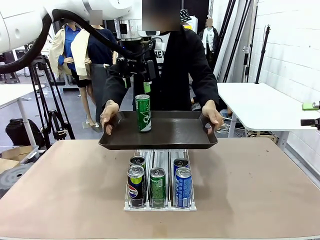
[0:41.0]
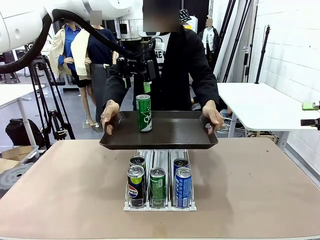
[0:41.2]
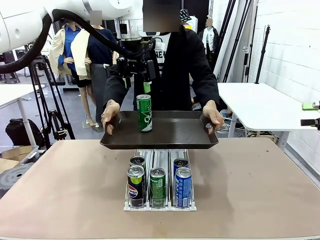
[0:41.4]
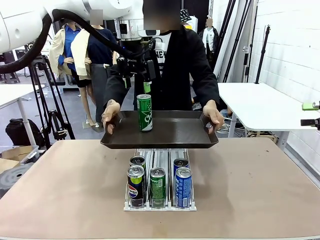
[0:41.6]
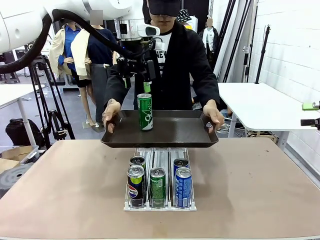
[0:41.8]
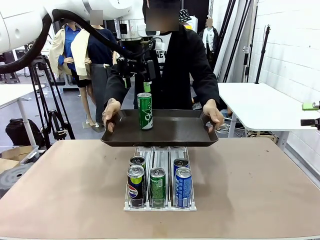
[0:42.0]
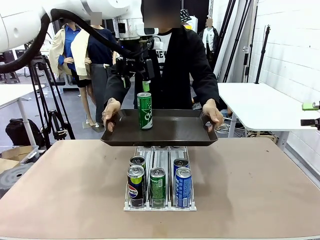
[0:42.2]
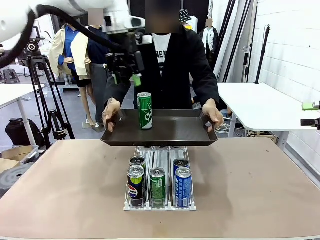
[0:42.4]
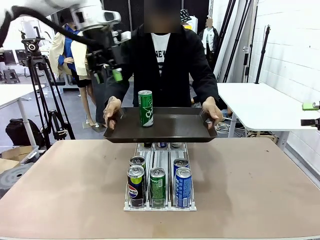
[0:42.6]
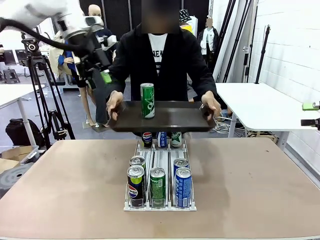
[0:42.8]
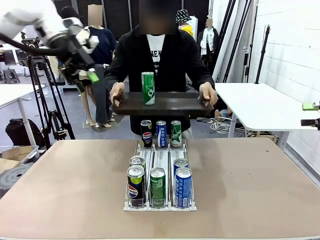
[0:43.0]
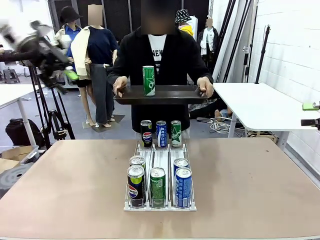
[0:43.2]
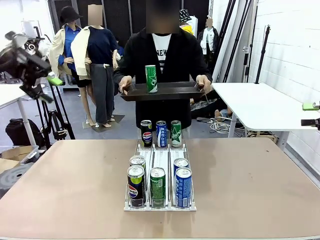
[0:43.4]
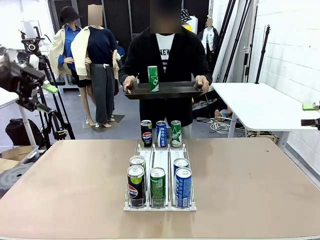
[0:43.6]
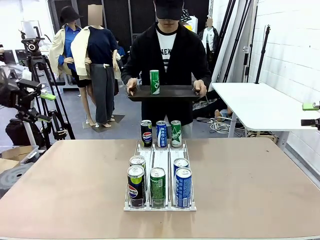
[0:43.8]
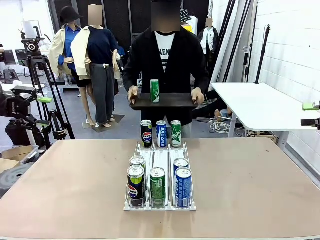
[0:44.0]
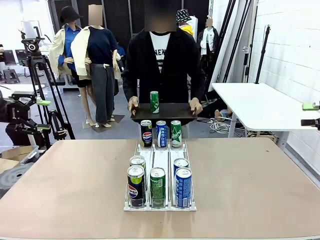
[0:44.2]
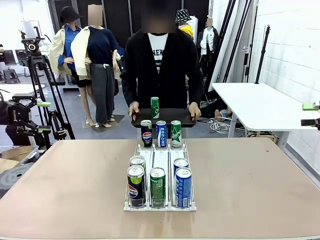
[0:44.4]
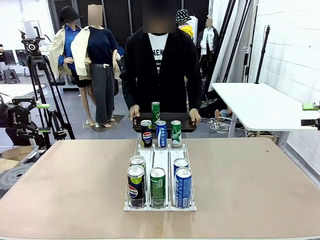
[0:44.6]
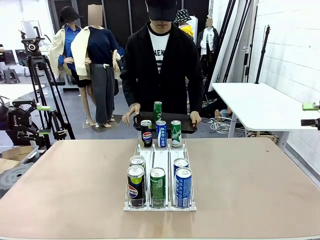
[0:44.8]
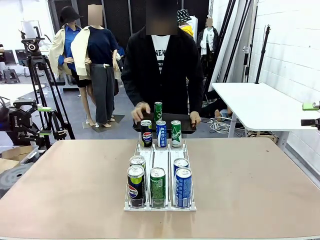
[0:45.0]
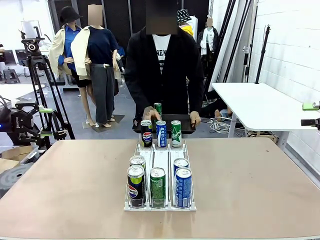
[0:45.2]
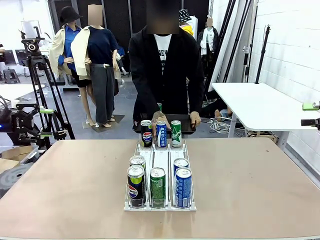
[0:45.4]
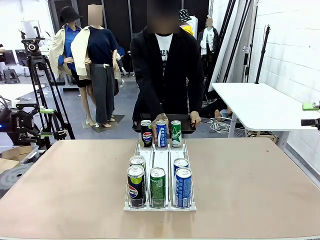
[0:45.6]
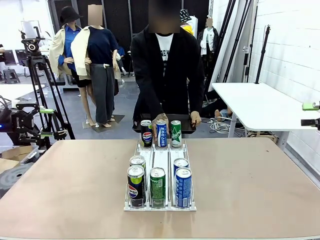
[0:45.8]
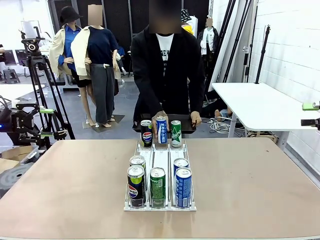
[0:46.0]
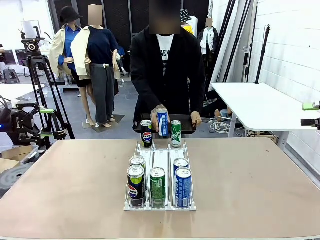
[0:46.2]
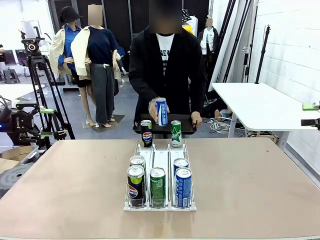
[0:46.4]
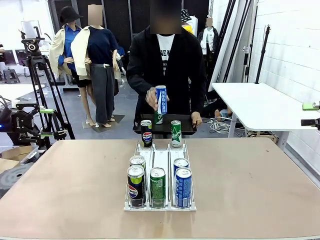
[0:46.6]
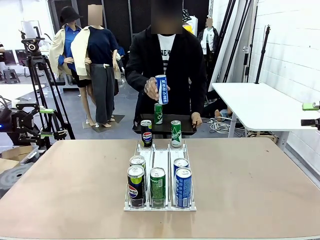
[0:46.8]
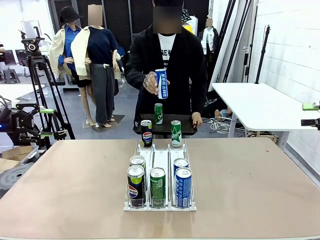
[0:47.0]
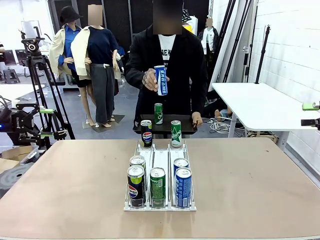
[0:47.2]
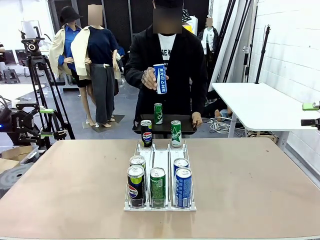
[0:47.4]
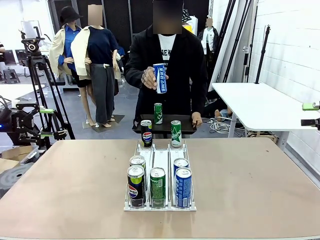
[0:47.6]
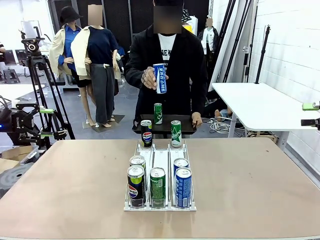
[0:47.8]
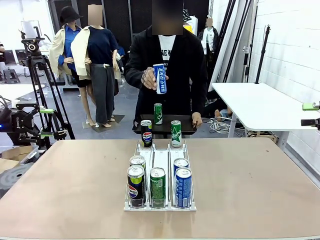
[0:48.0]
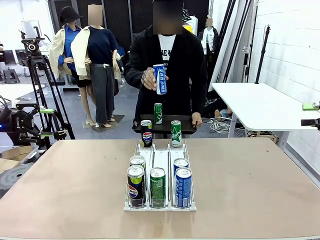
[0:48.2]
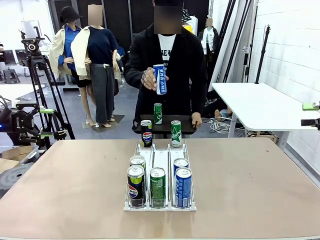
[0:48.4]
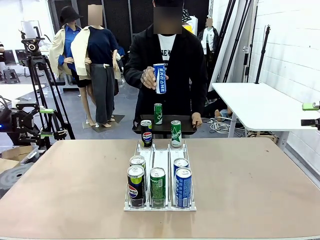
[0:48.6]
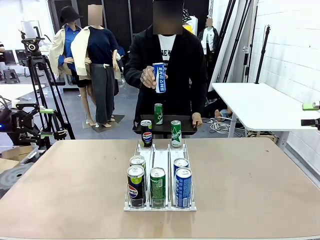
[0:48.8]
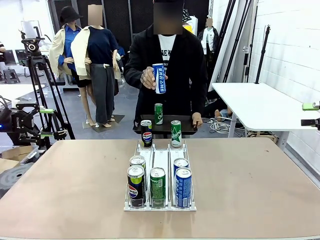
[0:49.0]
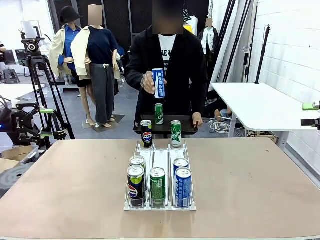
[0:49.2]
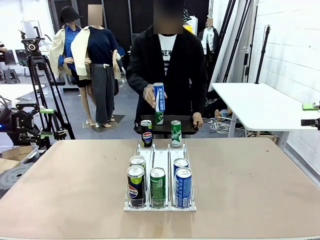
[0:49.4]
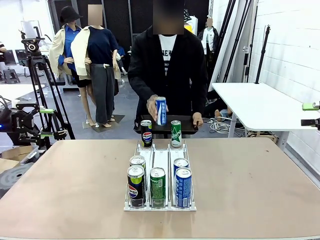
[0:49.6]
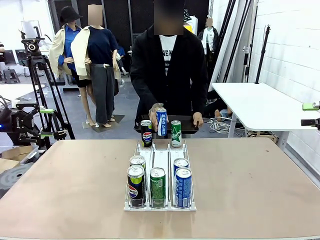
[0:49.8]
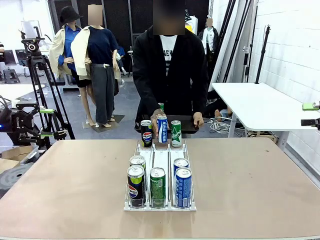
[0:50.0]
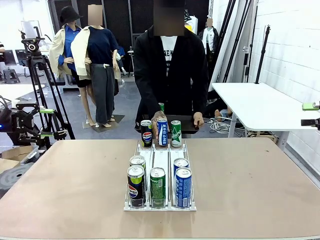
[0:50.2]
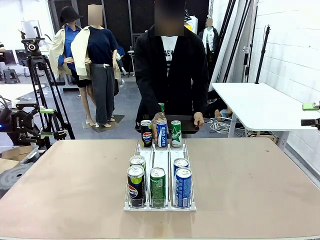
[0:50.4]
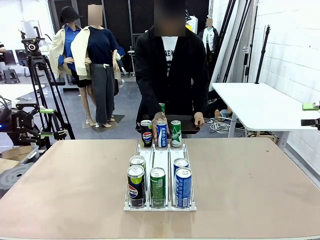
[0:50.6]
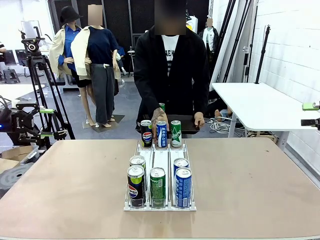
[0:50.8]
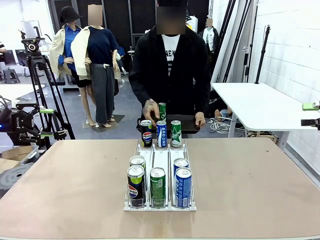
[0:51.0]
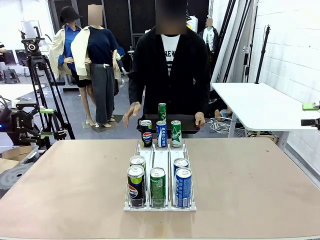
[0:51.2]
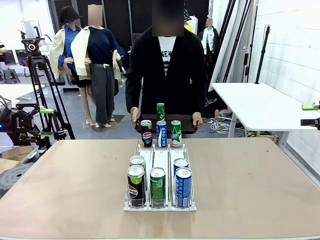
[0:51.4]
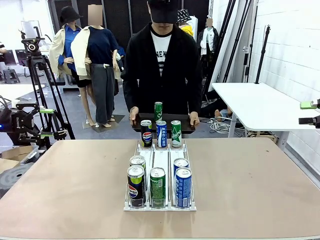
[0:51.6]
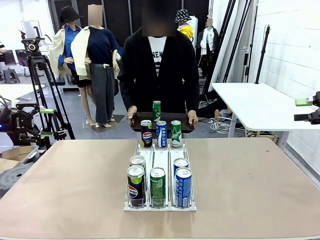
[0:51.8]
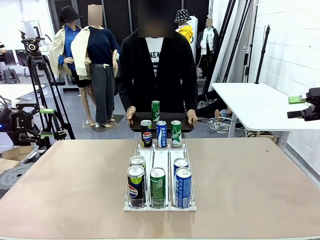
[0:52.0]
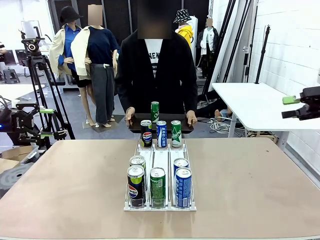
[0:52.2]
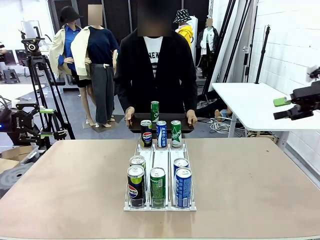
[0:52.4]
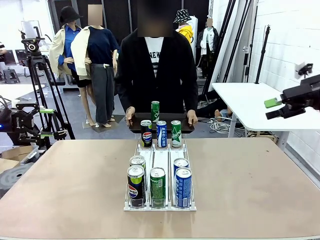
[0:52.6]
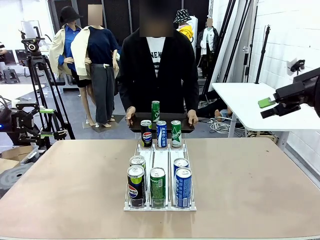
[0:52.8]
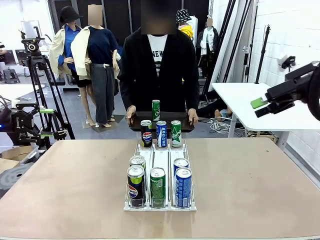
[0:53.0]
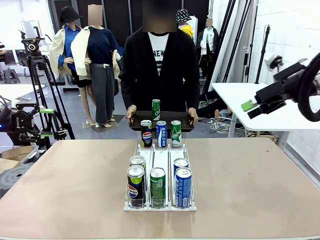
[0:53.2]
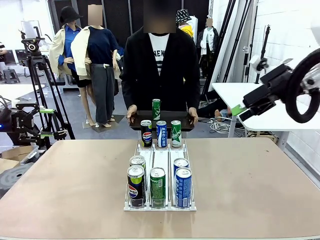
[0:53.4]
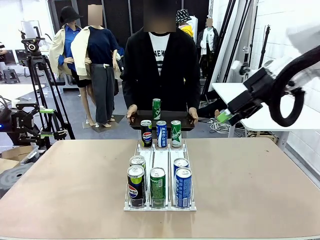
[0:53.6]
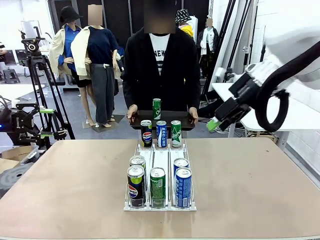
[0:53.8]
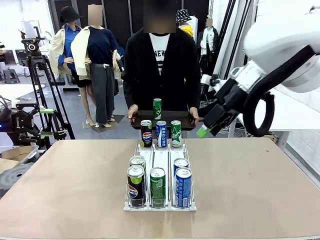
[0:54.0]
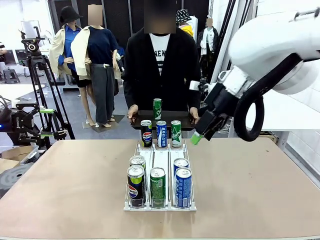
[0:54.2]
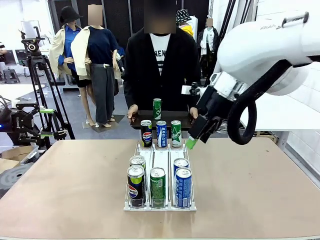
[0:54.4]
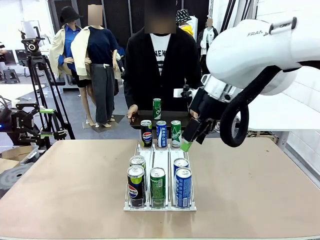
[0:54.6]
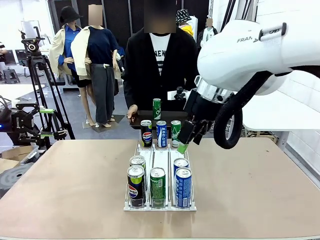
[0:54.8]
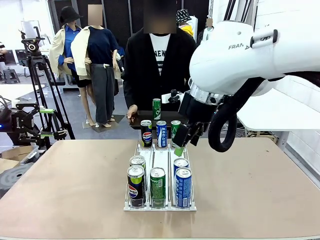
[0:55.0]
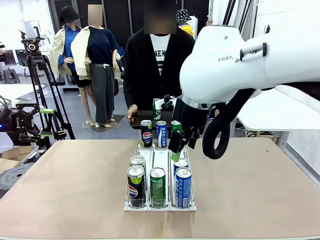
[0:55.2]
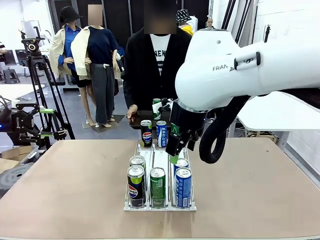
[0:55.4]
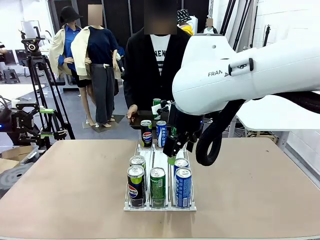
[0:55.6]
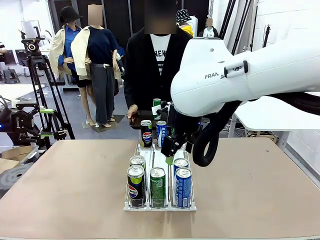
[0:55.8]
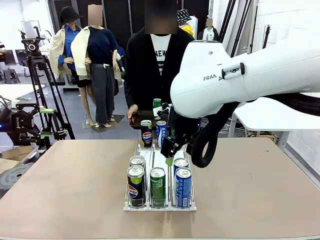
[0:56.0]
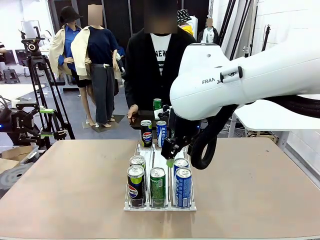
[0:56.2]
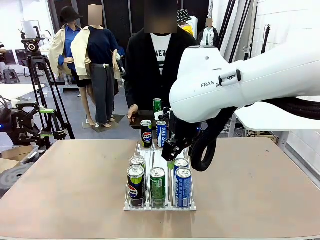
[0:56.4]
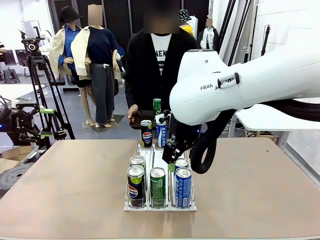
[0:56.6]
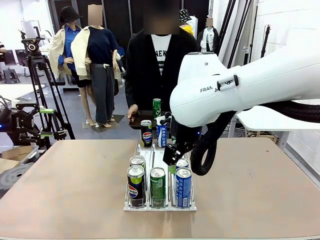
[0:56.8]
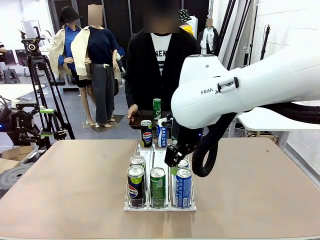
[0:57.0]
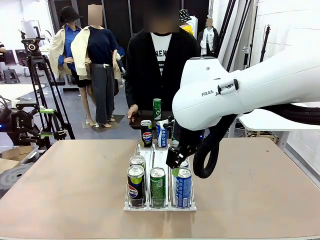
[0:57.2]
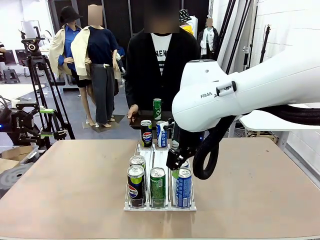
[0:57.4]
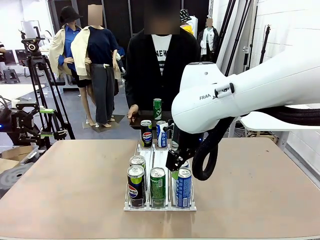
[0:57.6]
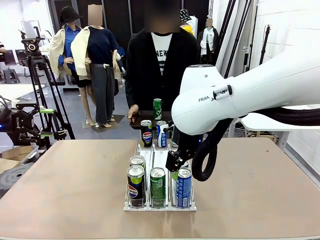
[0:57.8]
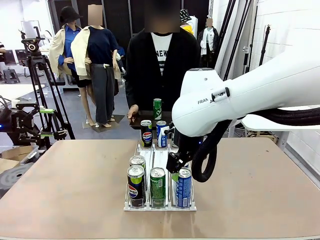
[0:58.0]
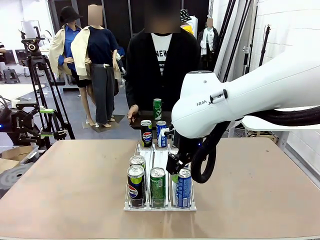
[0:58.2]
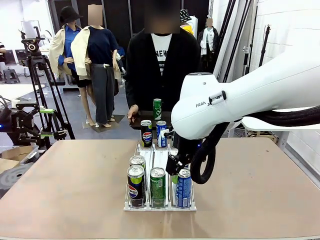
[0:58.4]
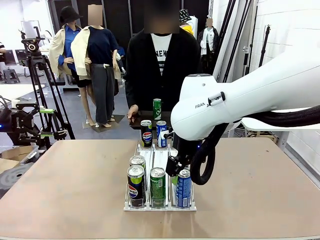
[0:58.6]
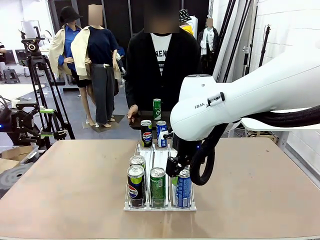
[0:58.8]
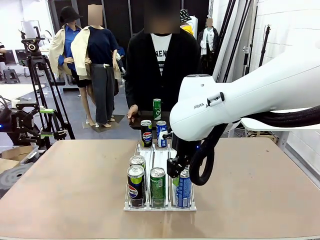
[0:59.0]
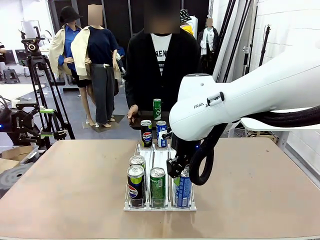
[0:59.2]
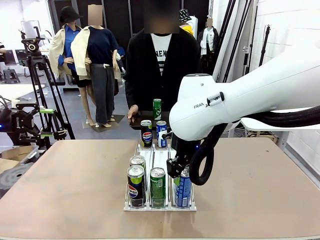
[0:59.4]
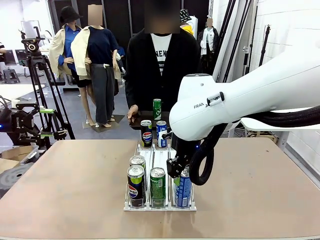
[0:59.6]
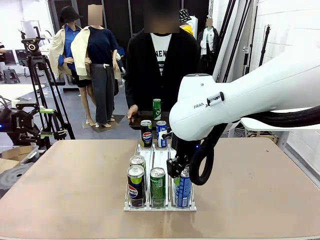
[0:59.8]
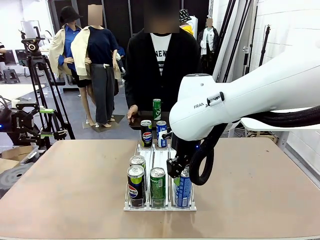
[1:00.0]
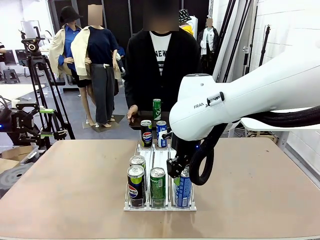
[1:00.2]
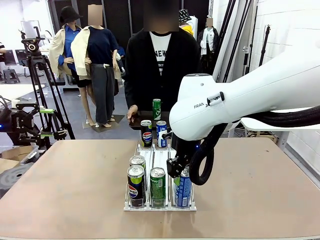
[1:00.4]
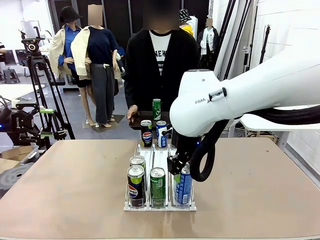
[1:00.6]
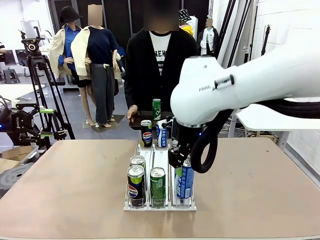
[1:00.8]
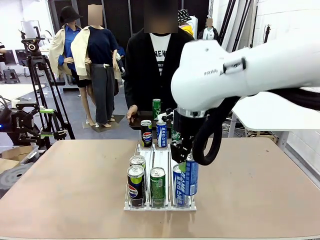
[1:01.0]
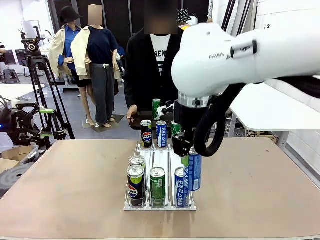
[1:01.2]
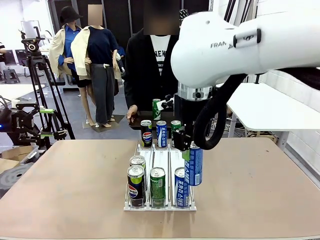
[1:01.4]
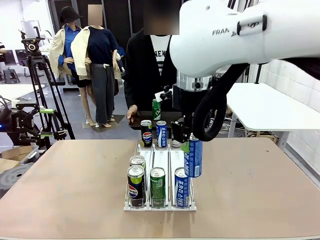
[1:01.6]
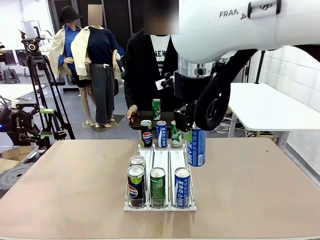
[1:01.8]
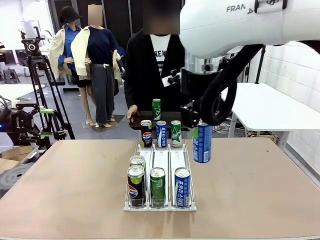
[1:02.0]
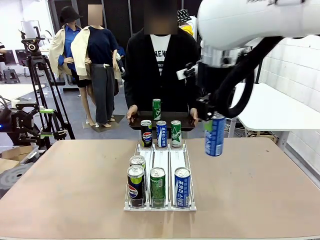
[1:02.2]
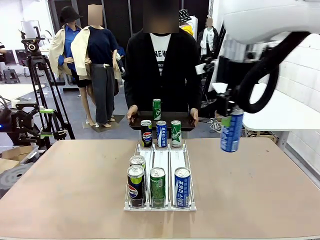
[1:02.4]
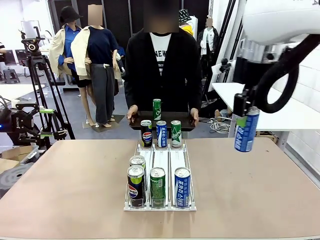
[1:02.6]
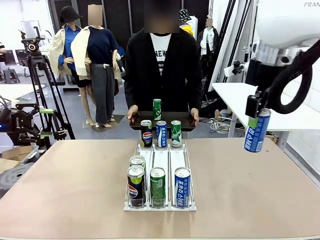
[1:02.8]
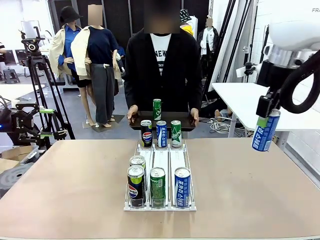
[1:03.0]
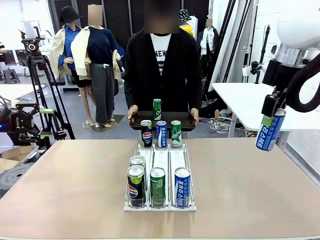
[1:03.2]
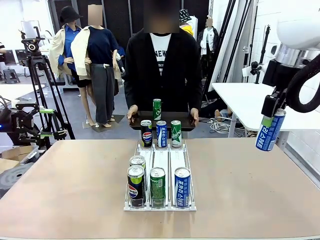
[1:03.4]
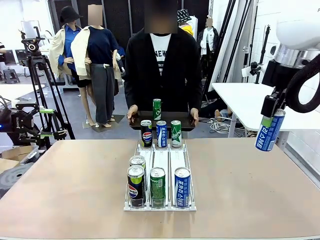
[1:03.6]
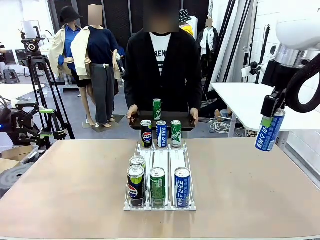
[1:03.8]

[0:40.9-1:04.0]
Task: Retrieve and hand over the desired beverage to the person.
Robot: Pick up another can of the same type that the person held from the Automatic Can Dispenser.
Person: Pull the tray back, then pick up another can from the bottom area of the table and puts it back in its original place. Push the tray toward the robot again.
